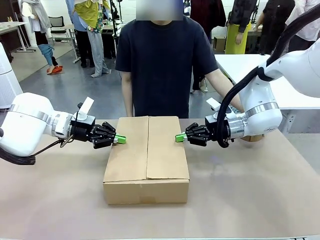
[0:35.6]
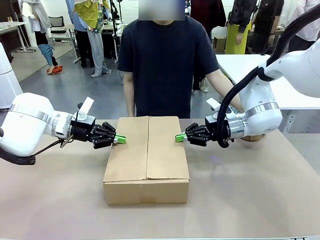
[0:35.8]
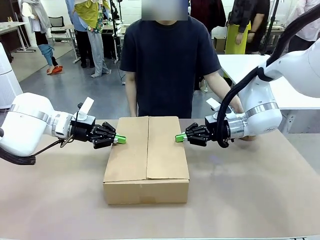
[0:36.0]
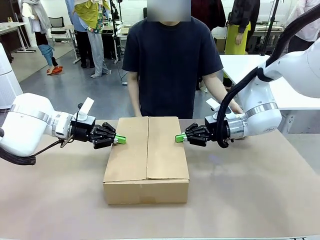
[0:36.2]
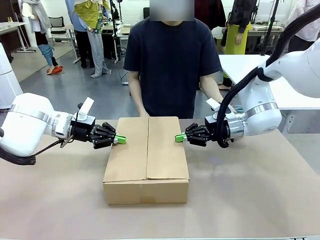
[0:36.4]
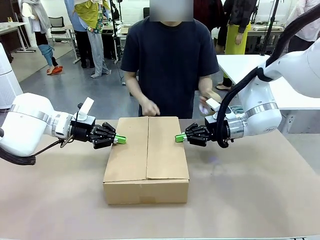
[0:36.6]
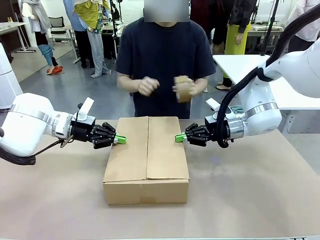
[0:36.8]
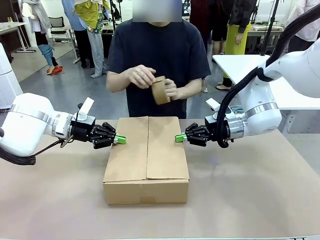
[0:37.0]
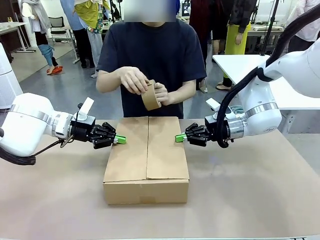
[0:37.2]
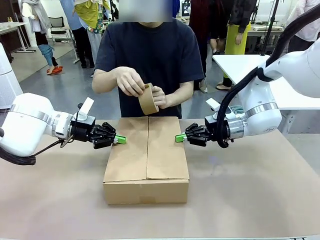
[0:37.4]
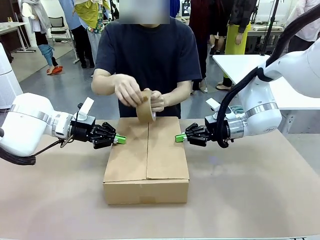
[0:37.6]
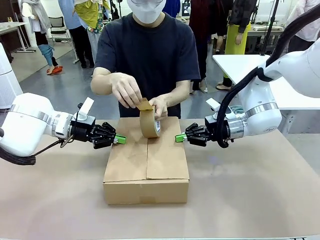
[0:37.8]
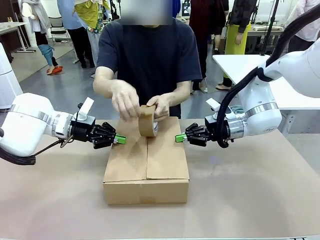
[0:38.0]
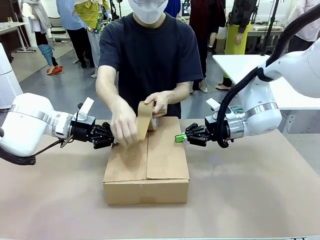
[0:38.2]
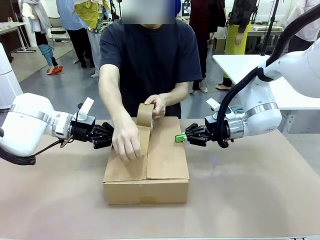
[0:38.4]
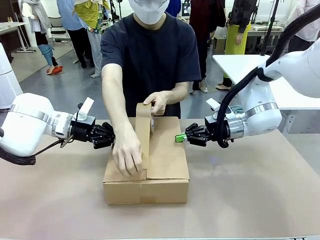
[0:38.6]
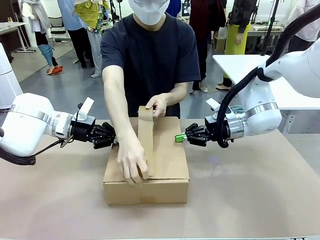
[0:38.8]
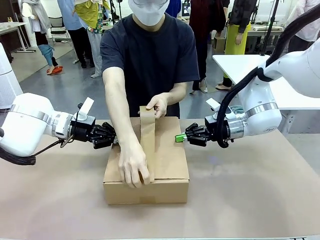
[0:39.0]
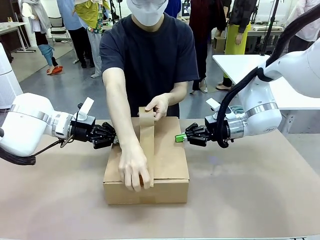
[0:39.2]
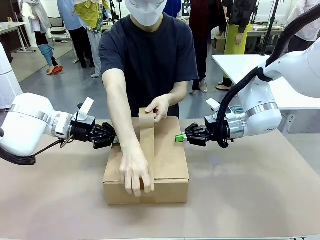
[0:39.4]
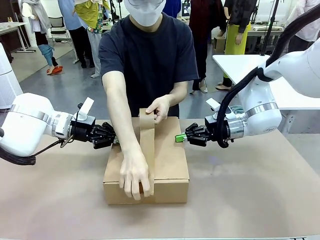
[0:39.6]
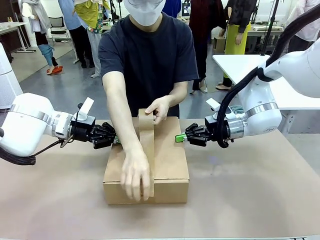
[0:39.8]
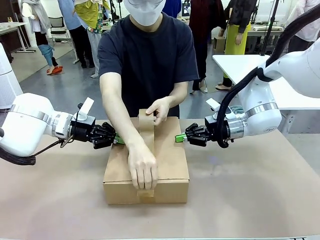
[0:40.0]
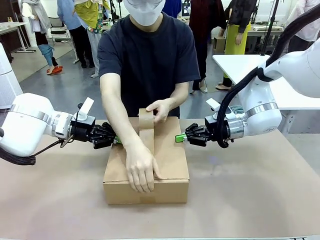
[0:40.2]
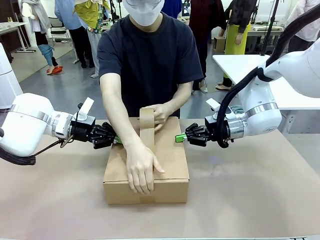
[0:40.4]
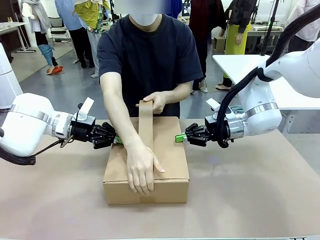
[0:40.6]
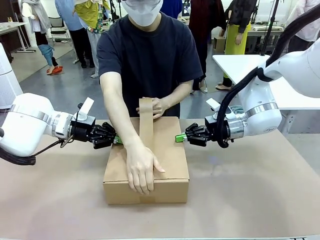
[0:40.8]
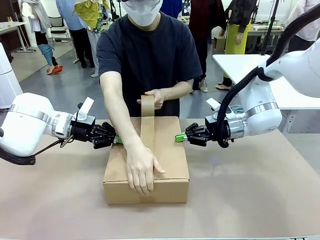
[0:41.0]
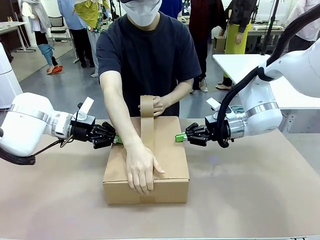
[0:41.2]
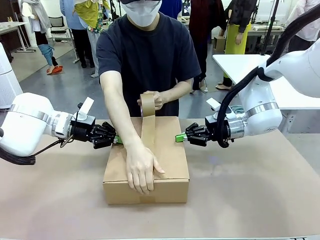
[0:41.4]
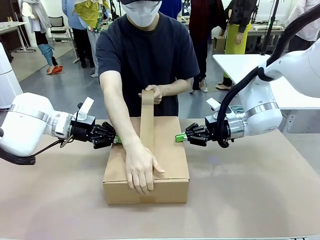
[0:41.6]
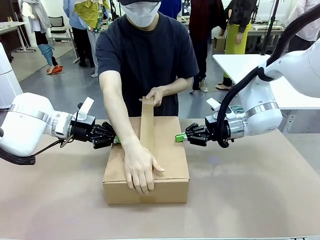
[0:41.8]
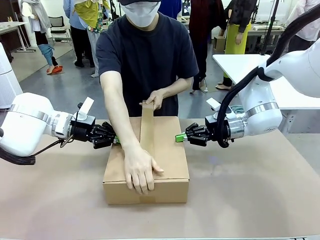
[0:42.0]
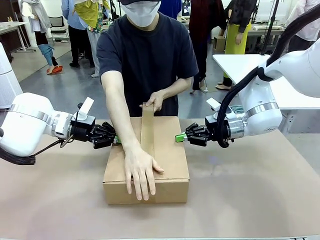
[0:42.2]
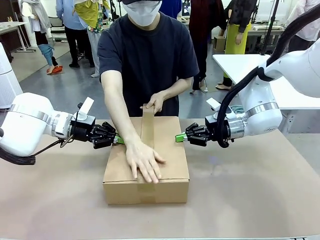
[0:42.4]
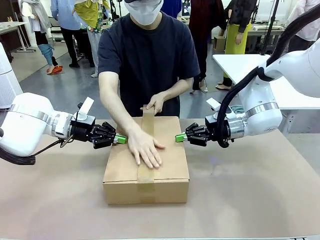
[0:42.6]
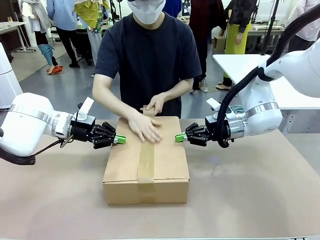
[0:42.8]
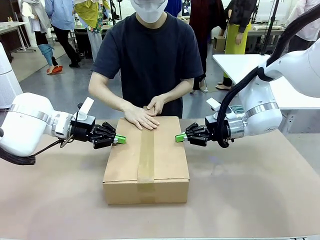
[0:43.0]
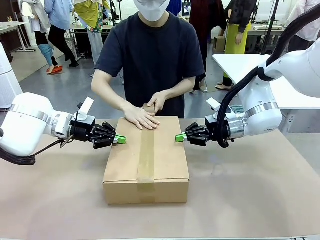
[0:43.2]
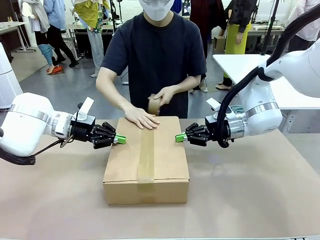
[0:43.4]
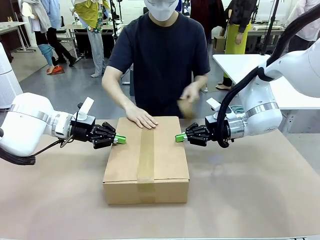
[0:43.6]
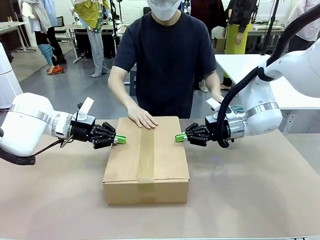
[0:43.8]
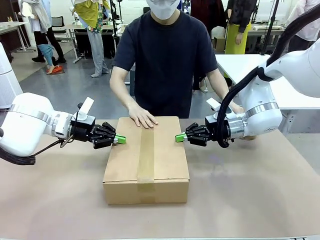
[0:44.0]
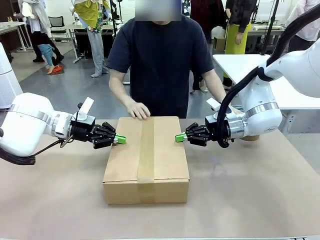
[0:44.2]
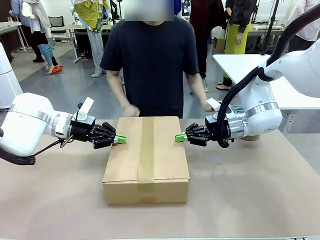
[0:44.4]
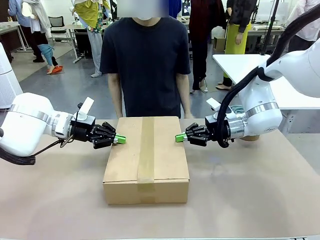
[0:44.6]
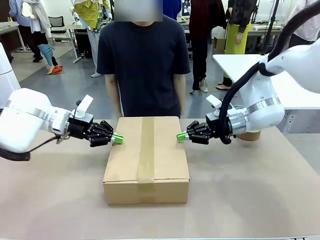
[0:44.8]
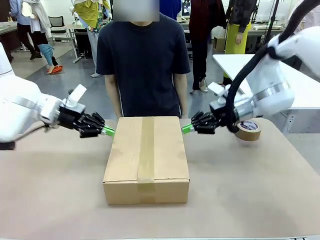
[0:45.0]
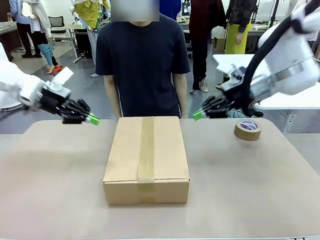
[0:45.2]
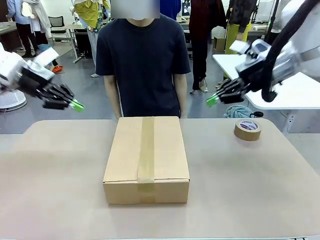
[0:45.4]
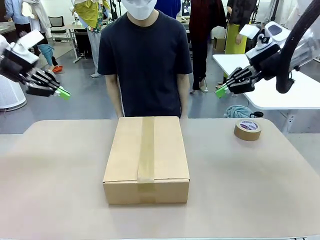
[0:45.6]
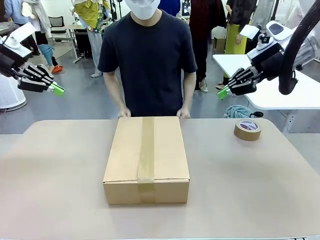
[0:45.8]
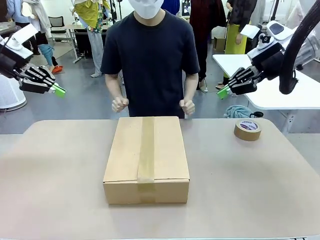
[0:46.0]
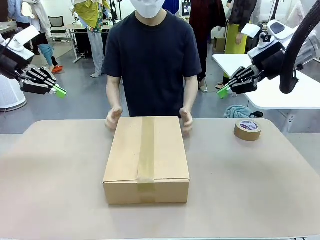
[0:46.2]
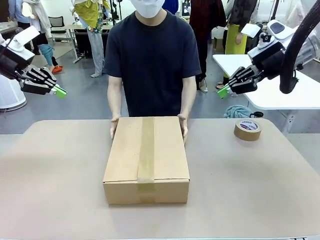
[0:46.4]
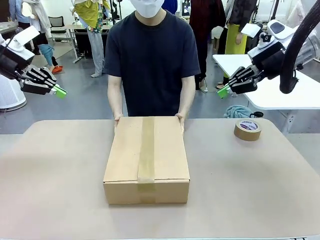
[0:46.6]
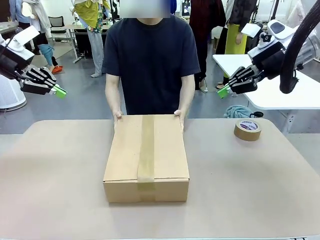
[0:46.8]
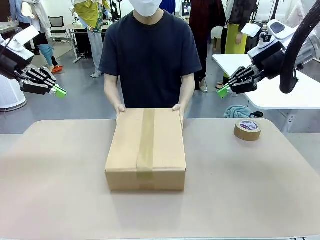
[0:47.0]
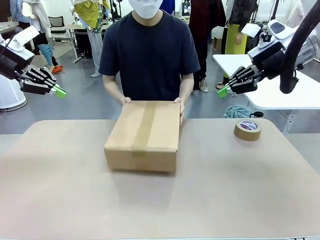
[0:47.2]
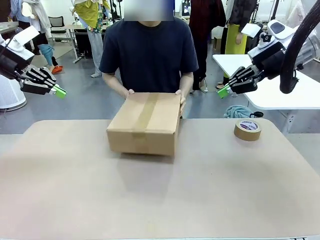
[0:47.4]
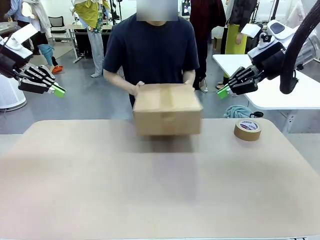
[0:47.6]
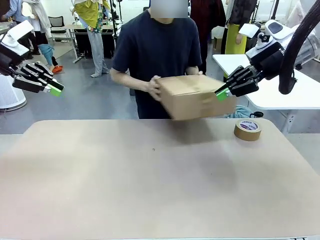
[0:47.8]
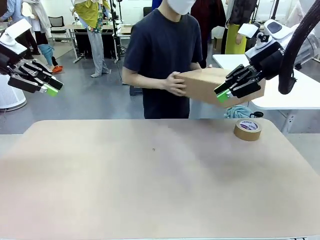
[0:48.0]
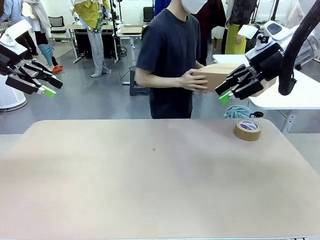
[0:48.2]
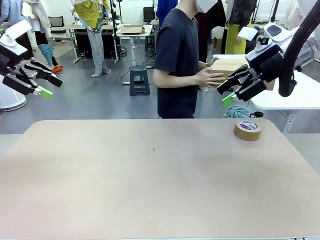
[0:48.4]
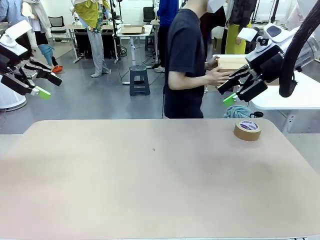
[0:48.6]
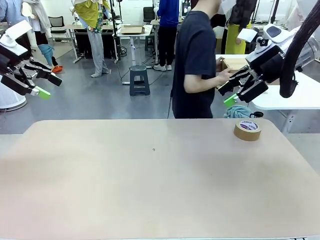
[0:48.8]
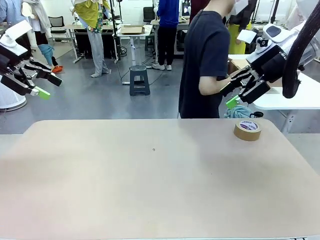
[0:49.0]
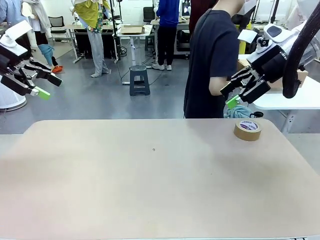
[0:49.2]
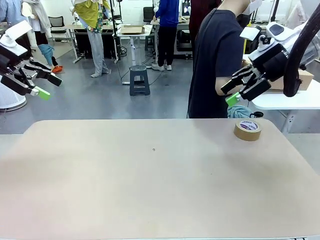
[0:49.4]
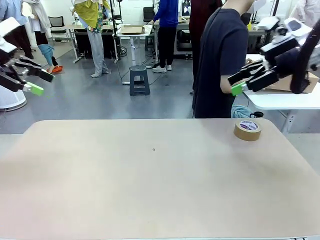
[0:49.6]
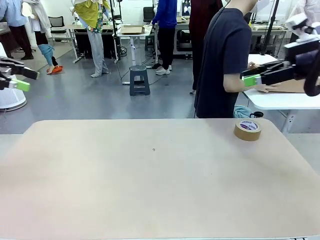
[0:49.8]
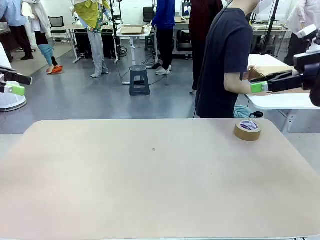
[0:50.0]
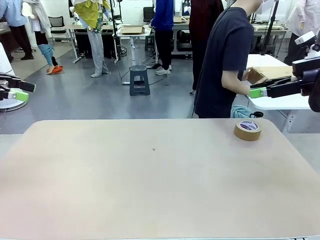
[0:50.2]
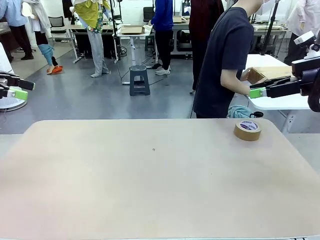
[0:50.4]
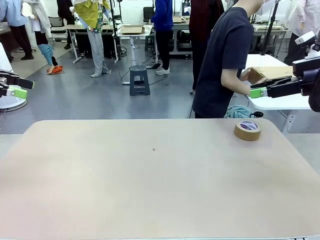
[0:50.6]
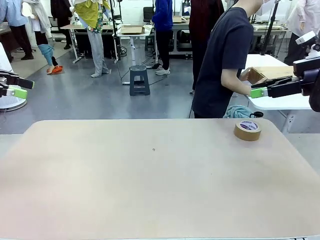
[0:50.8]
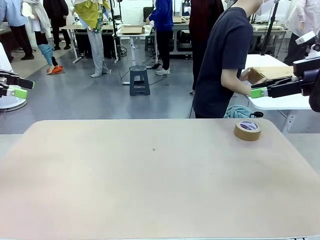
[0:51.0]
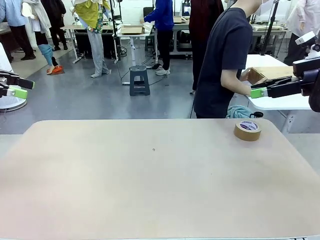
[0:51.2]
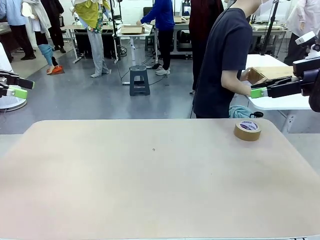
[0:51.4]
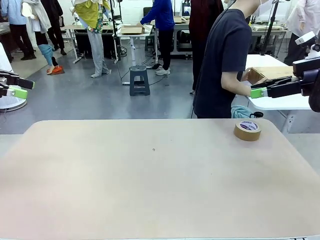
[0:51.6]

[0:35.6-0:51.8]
Task: Wrap the clocks to prevent damage.
Robot: After the human seals the box with tape, release both hands from the side flaps of the Package Box.
Person: Once the robot closes the left flap of the Package Box , seal the box with Paper Tape. Place sealed Package Box in the middle of the human's table.

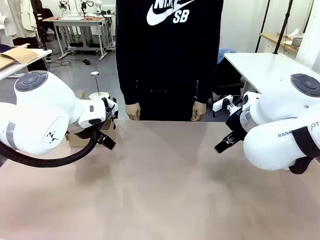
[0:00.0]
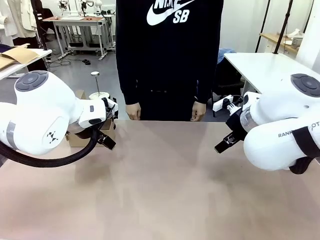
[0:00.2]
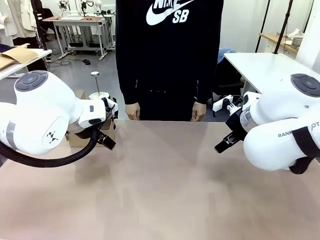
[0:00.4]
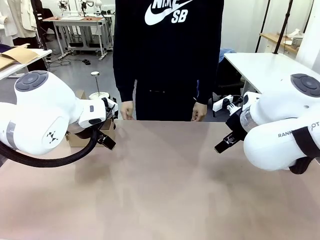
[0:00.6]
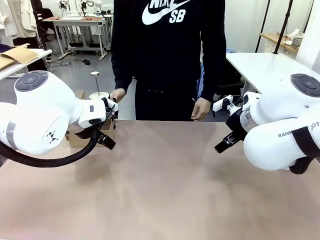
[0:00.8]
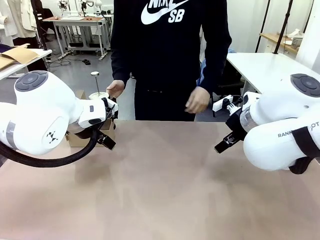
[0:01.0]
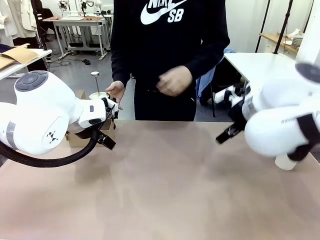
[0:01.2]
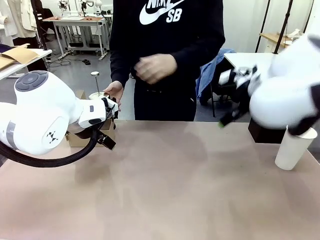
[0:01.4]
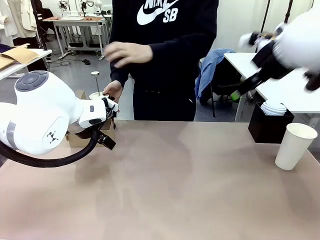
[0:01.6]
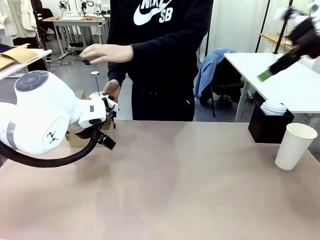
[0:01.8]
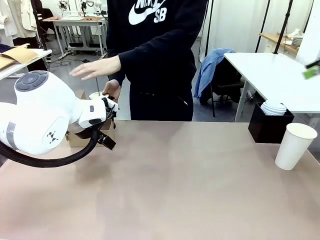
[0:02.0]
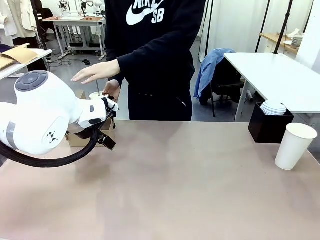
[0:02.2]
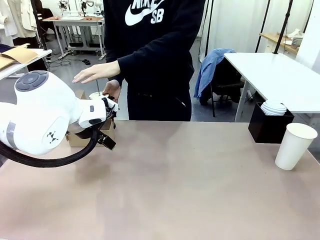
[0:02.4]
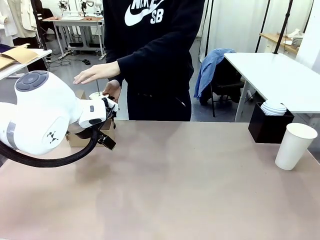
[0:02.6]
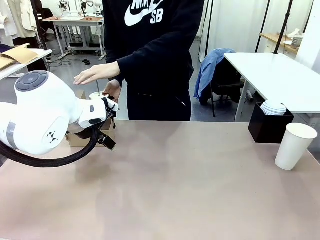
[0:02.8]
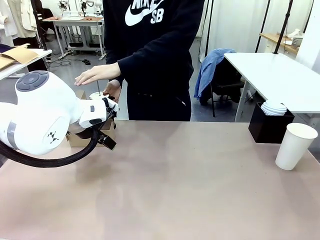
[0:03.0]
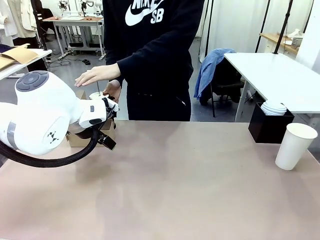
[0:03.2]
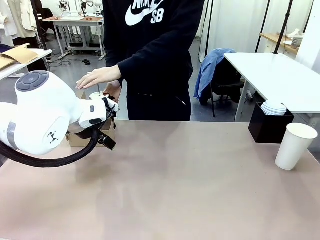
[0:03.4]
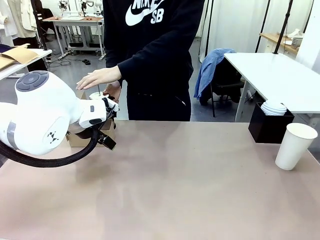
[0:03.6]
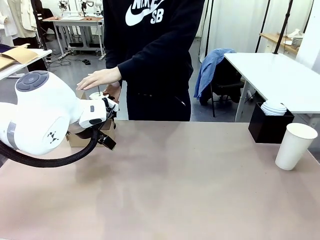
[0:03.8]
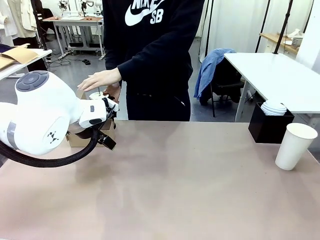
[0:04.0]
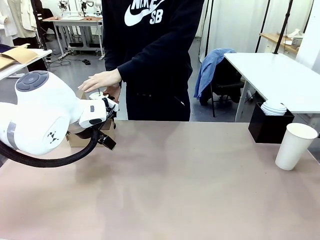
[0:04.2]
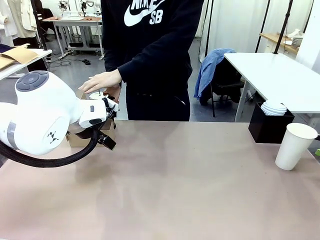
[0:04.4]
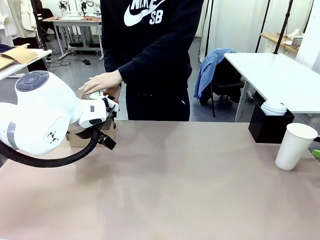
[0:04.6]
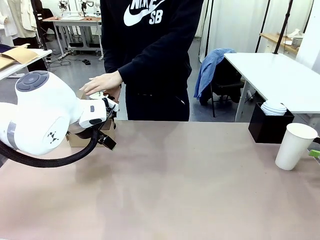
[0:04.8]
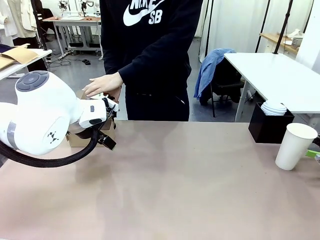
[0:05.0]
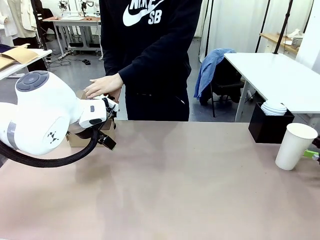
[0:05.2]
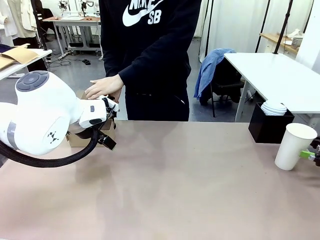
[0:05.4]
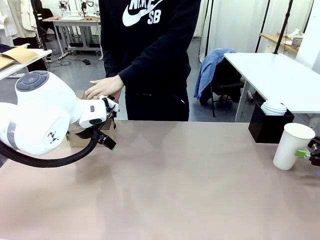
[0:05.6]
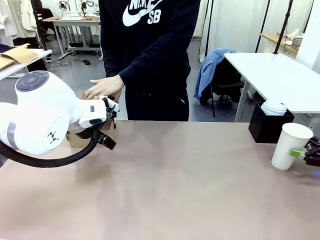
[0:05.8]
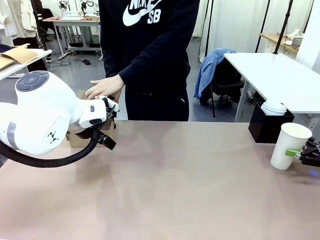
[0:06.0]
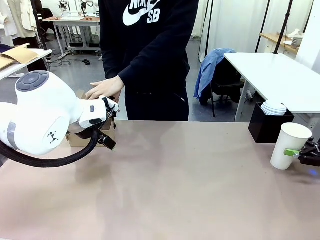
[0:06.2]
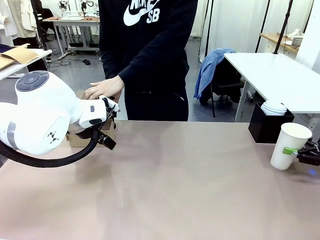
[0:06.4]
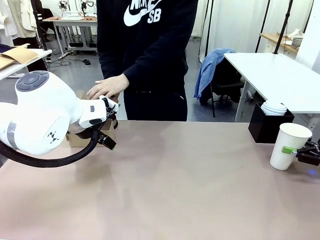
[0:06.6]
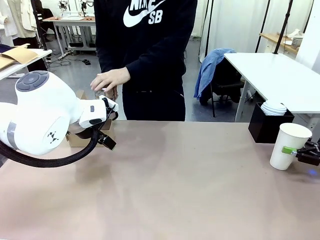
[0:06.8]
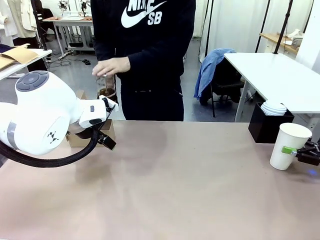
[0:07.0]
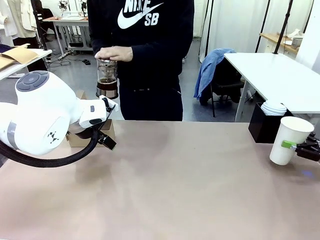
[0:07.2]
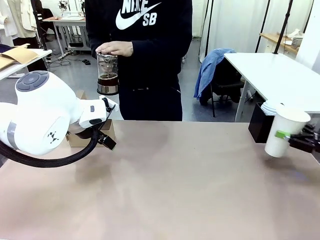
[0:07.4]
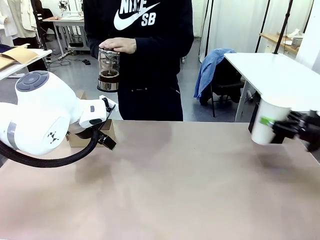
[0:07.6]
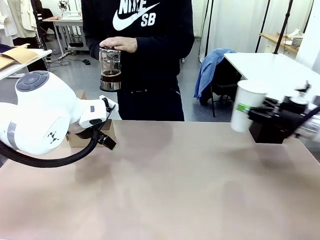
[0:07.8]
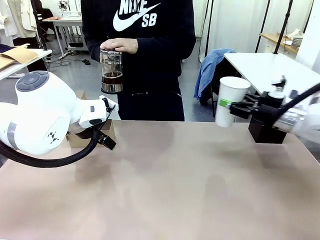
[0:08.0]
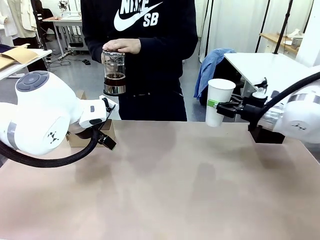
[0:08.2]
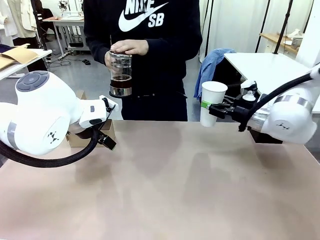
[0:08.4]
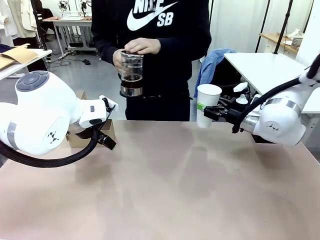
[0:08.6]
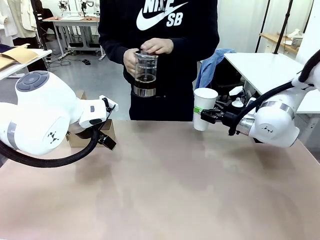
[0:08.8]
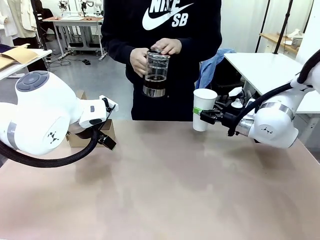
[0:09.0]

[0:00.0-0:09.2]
Task: Pour a drink into a cup and package it in a carrier.
Robot: Pick up the 600 ml Paper Cup and place it in the middle top area of the table.
Person: Press and pick up the Filter Brewing.
